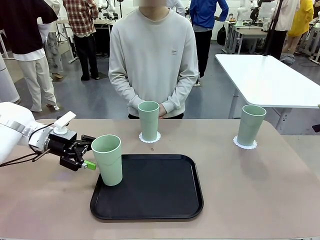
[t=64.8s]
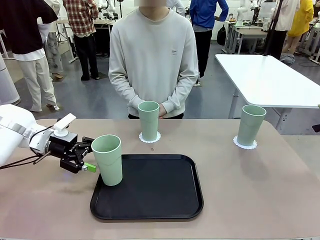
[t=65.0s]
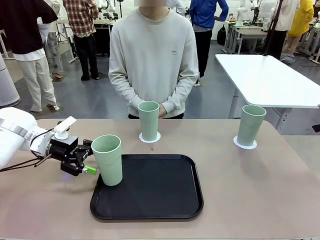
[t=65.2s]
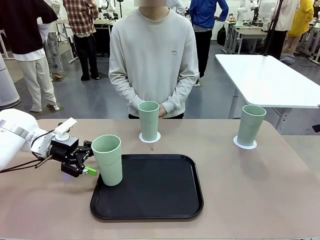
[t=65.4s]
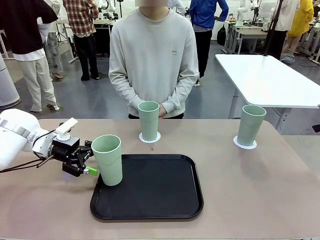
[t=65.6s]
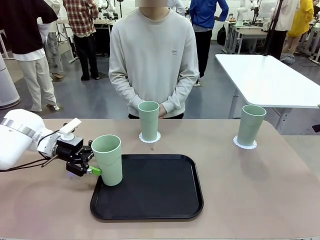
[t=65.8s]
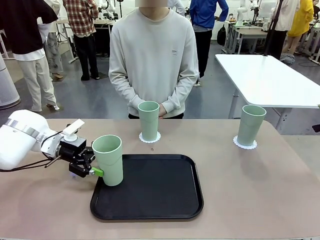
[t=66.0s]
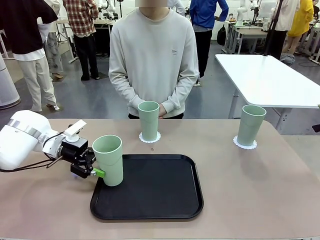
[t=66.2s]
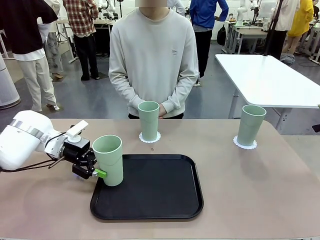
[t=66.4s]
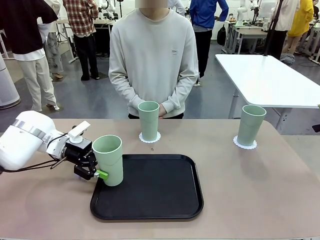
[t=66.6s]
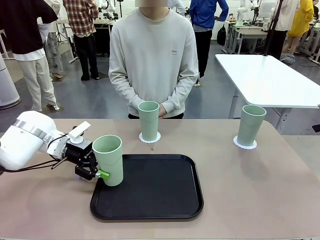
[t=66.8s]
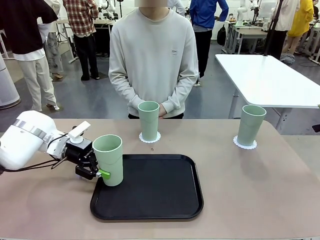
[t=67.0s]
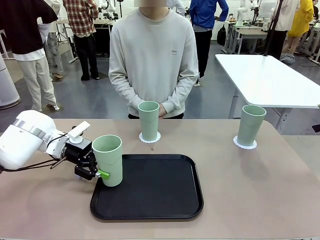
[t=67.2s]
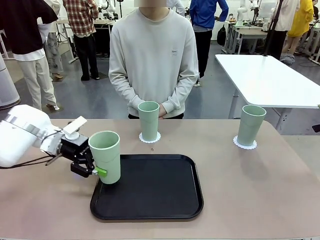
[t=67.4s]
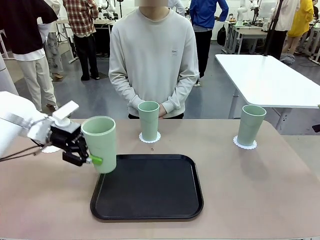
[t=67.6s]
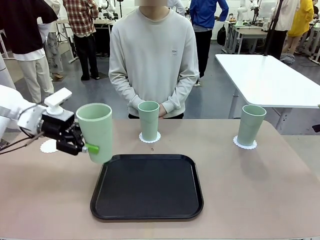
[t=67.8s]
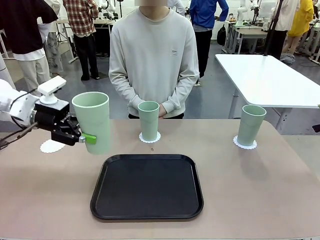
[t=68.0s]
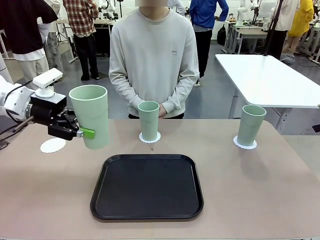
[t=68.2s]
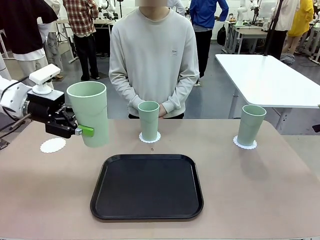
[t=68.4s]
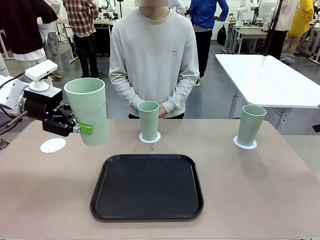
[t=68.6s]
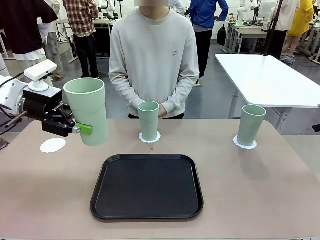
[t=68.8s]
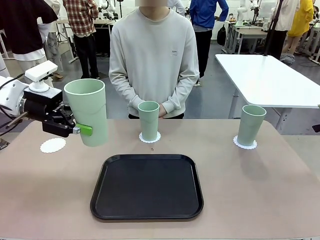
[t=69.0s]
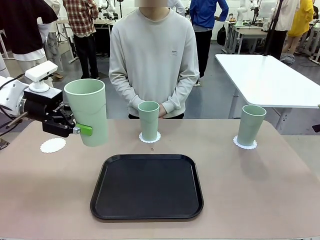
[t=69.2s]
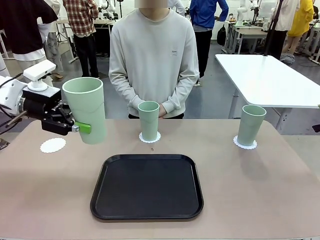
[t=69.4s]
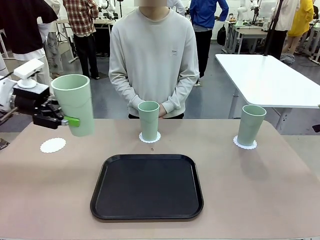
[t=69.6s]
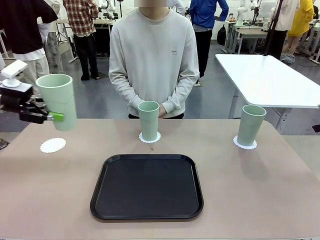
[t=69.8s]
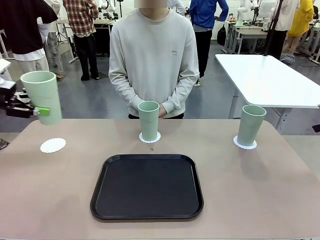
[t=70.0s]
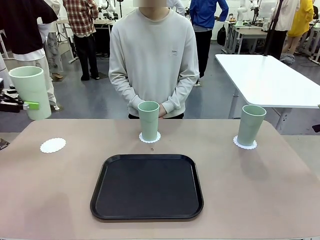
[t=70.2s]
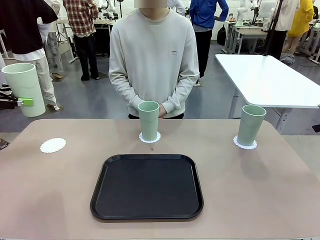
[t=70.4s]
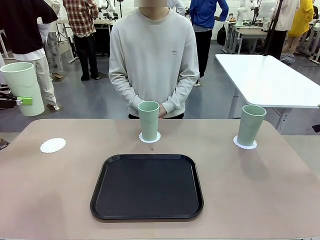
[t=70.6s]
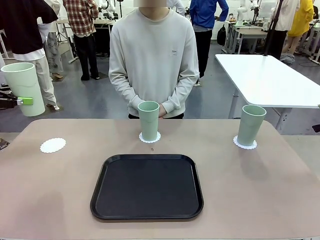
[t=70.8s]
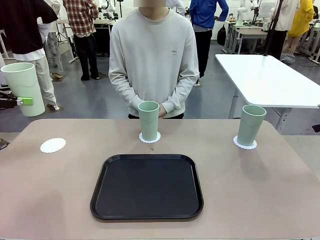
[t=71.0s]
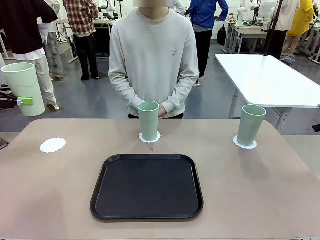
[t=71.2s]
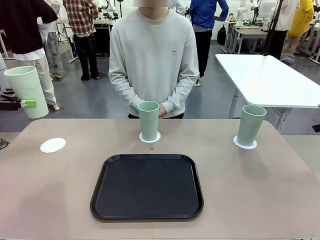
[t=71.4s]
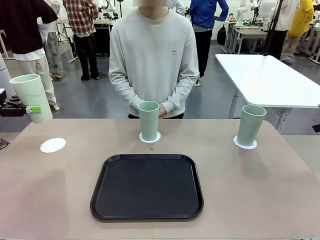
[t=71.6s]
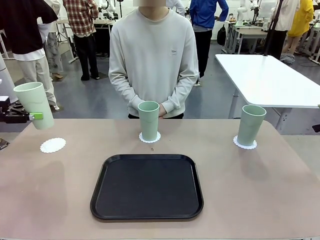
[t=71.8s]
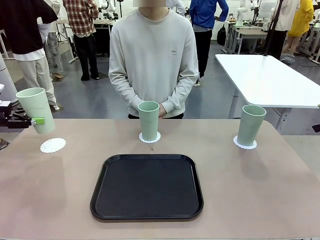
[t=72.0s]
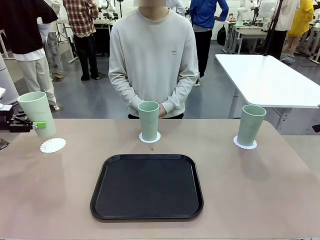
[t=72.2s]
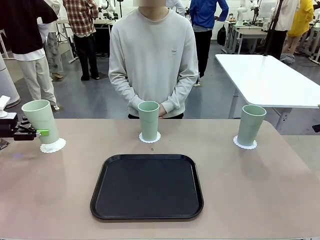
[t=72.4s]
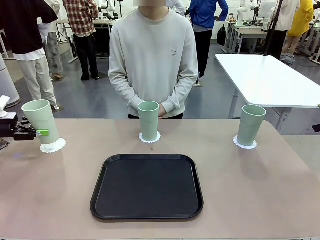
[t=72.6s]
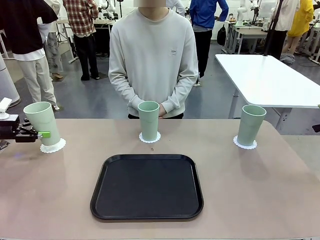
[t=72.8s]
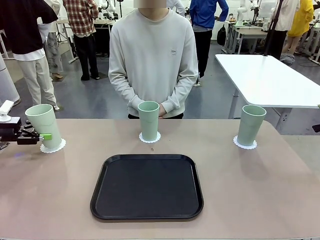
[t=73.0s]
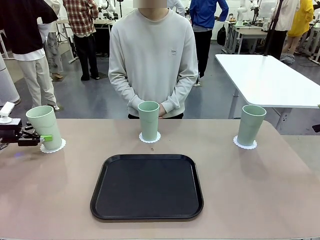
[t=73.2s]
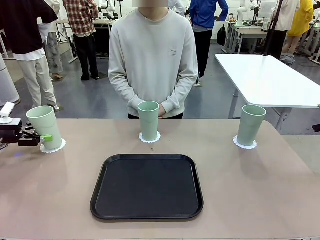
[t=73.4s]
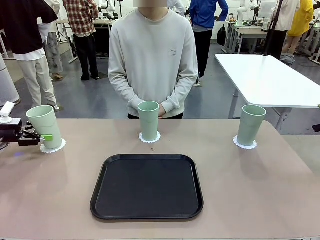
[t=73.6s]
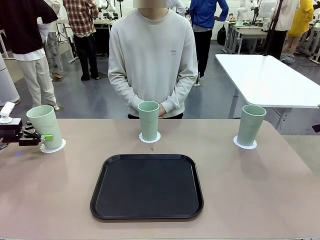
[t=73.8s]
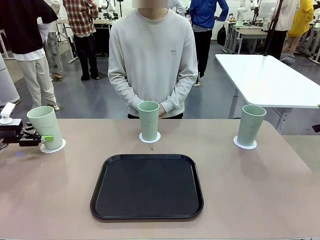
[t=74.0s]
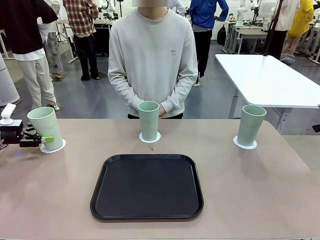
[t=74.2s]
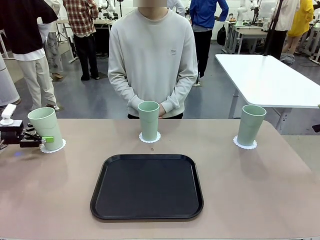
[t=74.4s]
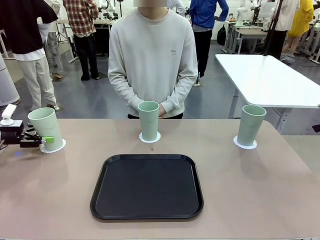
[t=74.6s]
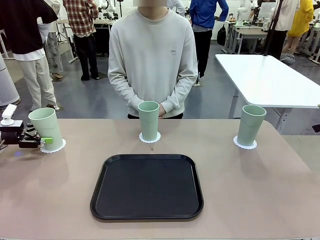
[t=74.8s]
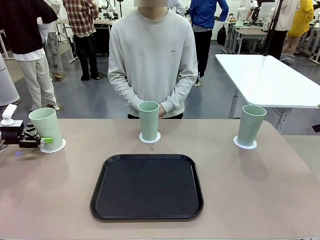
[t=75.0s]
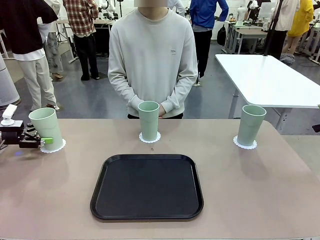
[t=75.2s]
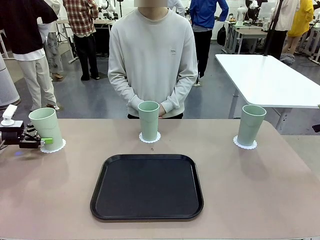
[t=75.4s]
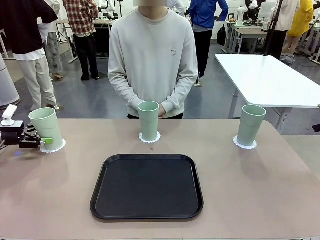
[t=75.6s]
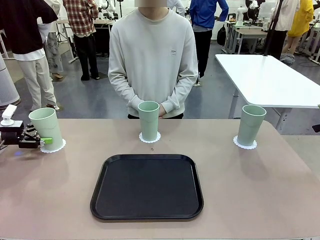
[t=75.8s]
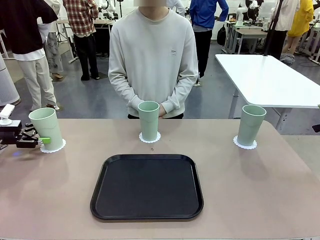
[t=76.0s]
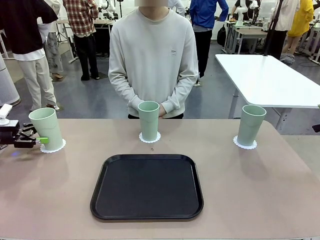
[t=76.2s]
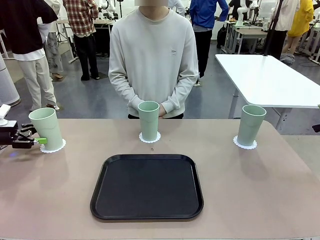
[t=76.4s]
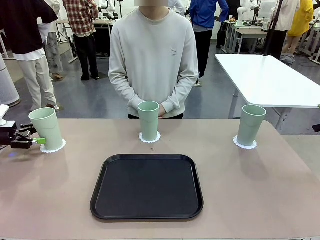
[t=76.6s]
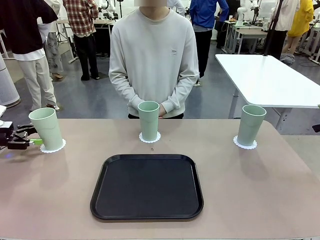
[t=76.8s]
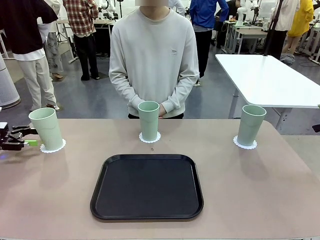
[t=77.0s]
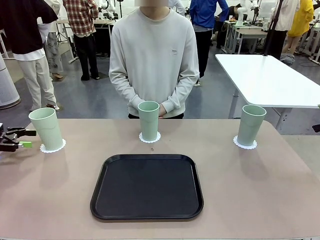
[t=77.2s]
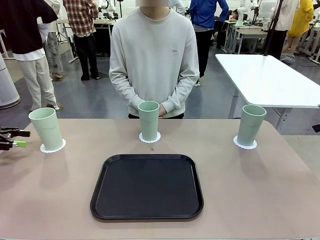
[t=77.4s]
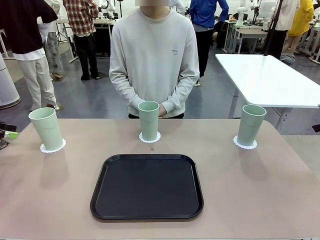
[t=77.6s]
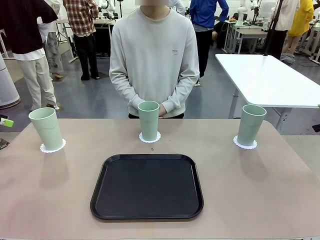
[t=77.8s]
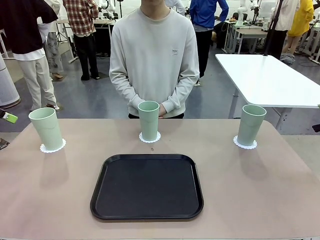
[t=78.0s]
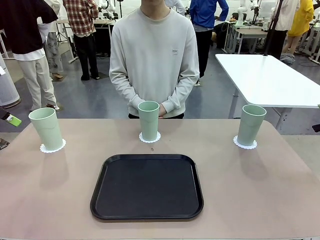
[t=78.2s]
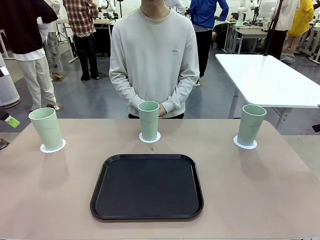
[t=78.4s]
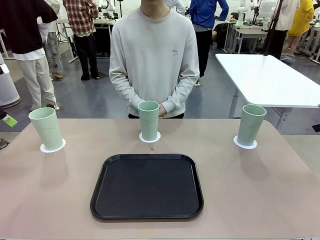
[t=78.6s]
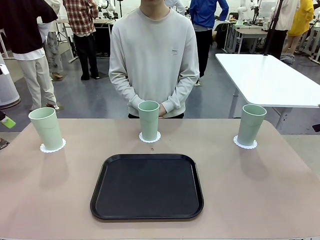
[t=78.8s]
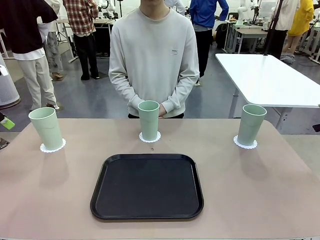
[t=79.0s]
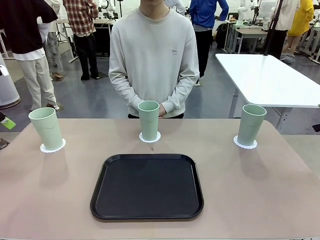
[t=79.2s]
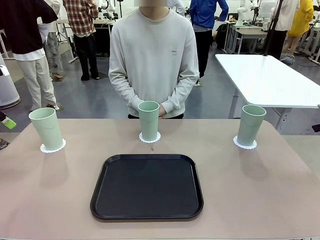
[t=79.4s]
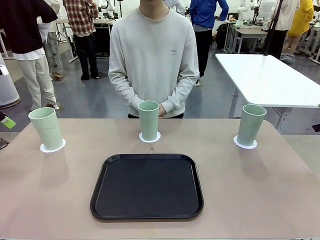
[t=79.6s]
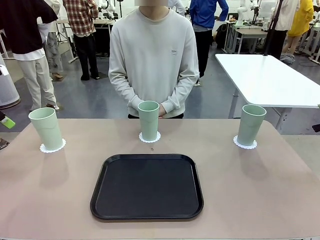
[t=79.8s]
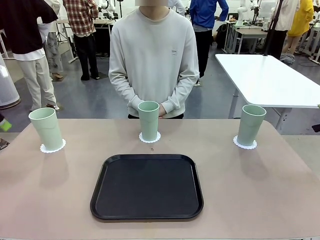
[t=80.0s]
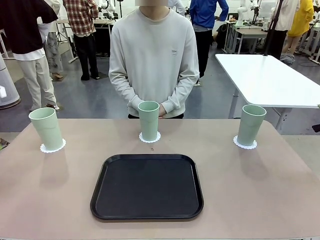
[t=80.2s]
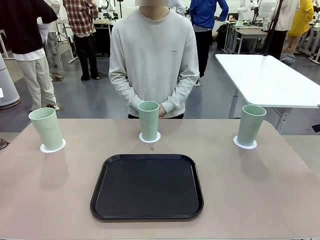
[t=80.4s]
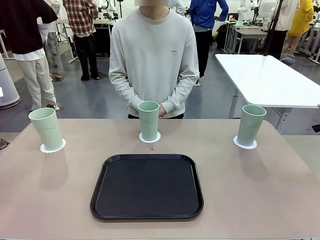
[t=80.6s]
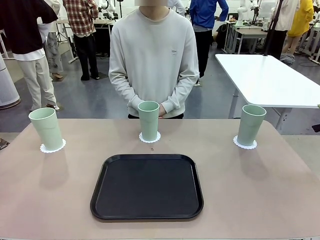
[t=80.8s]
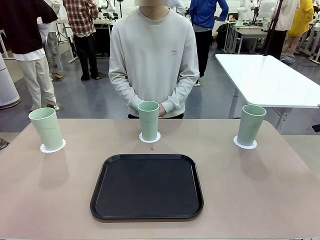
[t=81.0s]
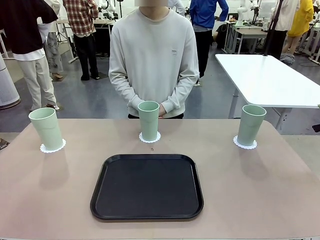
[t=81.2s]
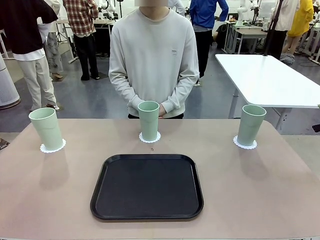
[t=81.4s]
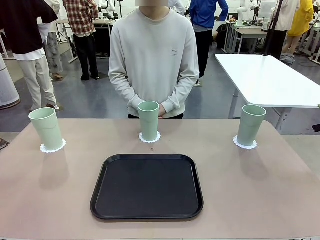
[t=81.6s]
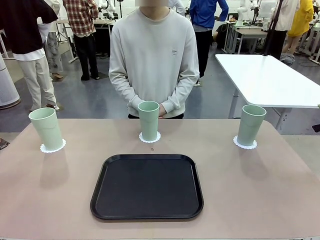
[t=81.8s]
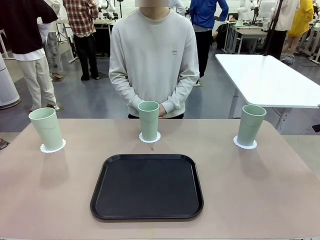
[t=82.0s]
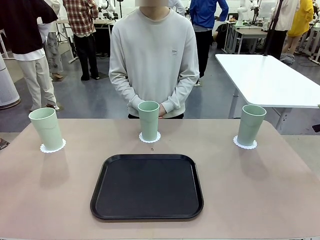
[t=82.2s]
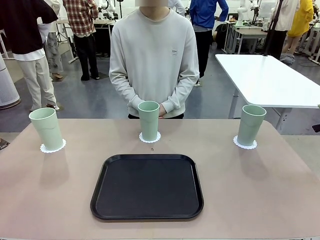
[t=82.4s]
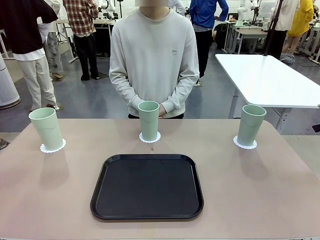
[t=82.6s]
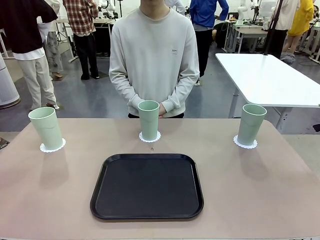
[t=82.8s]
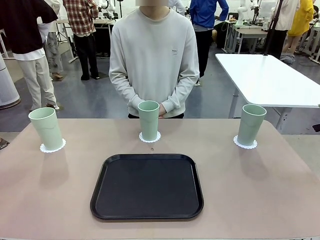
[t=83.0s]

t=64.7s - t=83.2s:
Task: Place coasters on the table and set cups on them.
Robot: Take one Reusable plastic cup from the Flat Tray and place it on a coaster set by the human.
